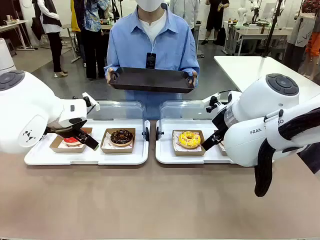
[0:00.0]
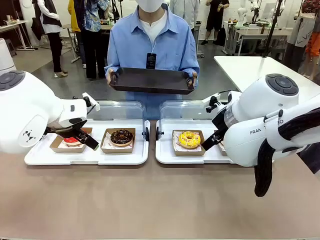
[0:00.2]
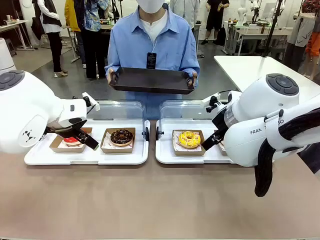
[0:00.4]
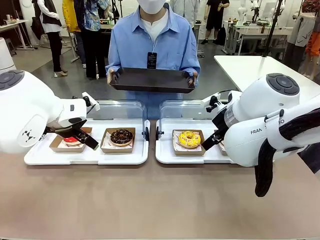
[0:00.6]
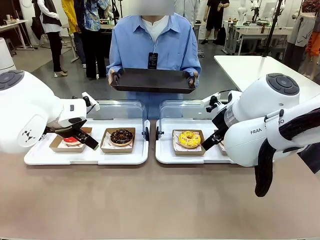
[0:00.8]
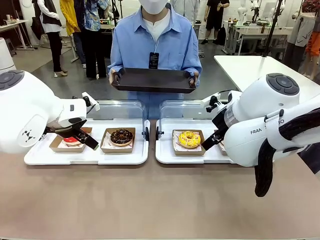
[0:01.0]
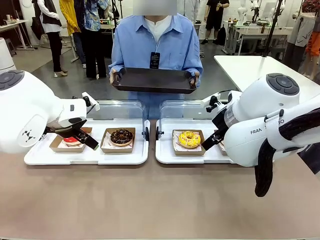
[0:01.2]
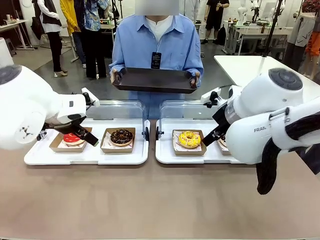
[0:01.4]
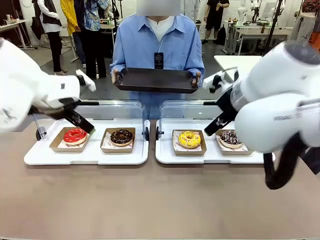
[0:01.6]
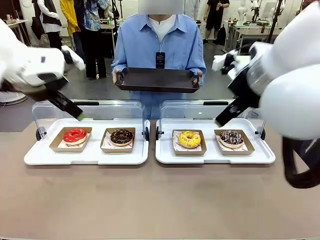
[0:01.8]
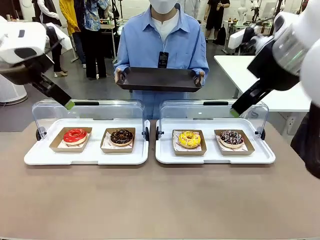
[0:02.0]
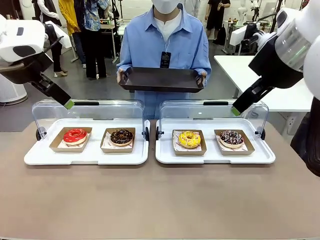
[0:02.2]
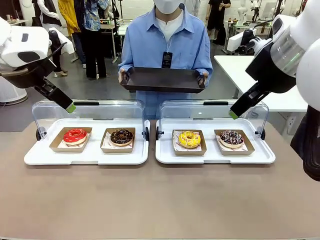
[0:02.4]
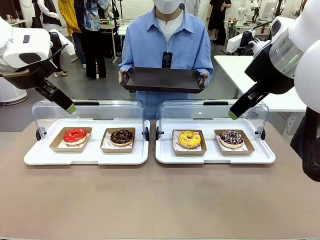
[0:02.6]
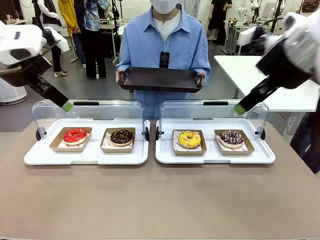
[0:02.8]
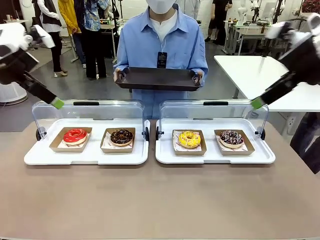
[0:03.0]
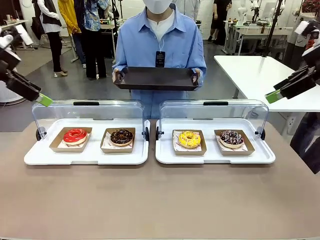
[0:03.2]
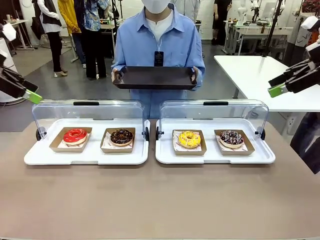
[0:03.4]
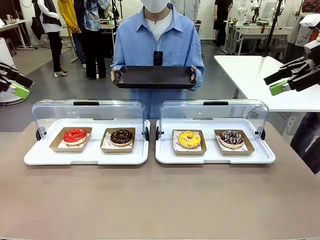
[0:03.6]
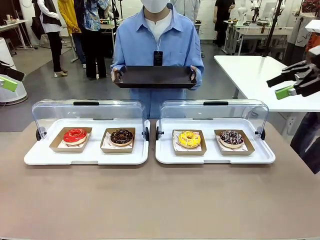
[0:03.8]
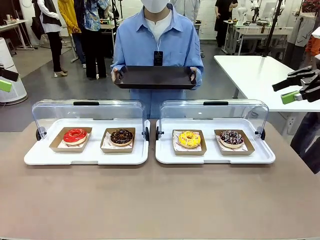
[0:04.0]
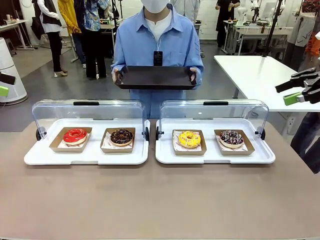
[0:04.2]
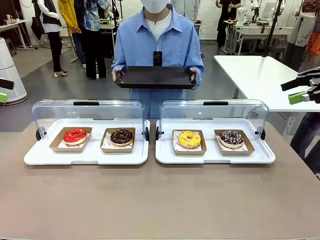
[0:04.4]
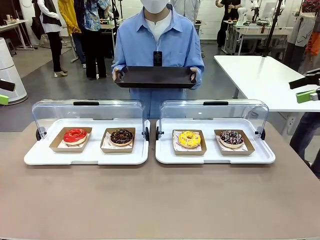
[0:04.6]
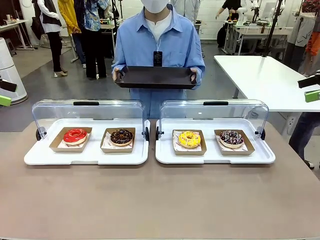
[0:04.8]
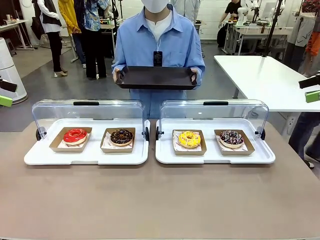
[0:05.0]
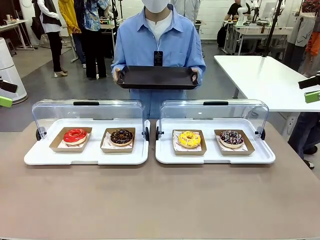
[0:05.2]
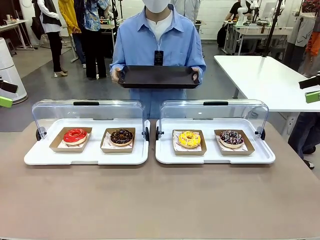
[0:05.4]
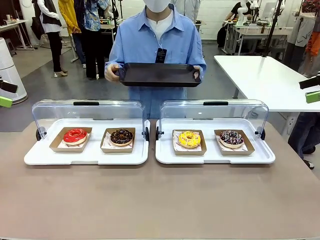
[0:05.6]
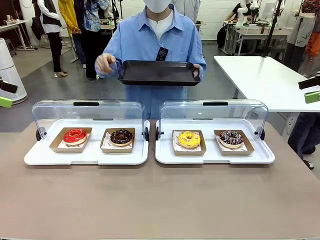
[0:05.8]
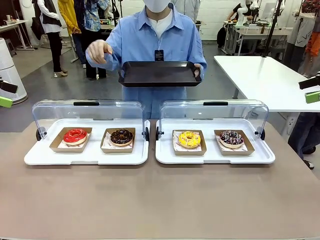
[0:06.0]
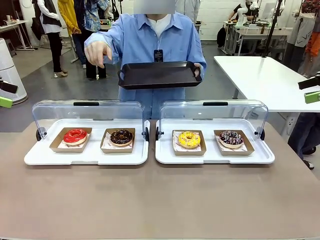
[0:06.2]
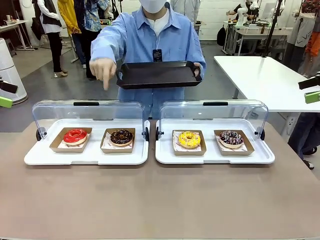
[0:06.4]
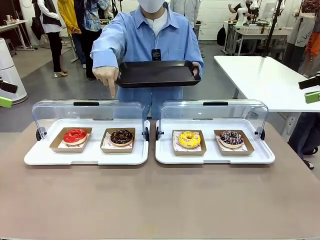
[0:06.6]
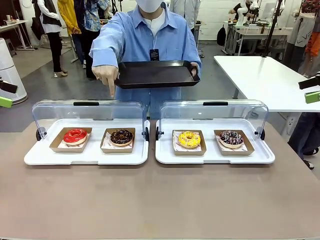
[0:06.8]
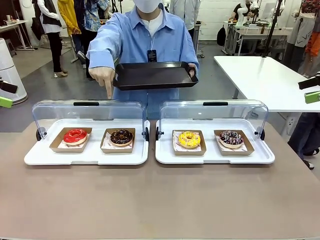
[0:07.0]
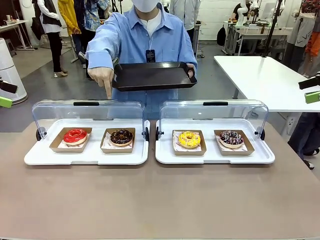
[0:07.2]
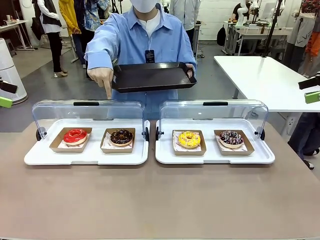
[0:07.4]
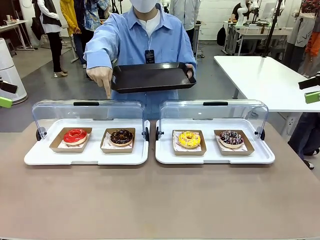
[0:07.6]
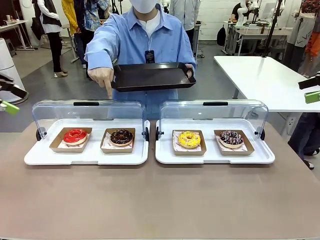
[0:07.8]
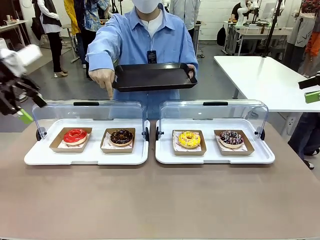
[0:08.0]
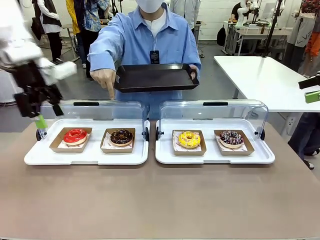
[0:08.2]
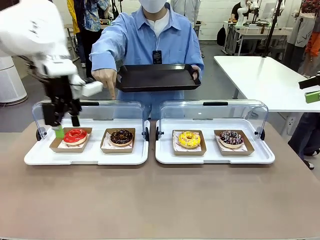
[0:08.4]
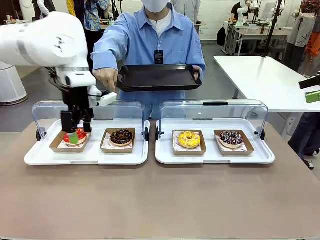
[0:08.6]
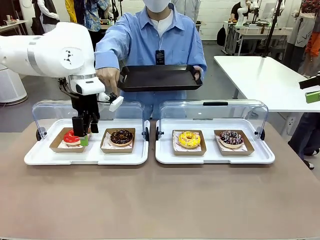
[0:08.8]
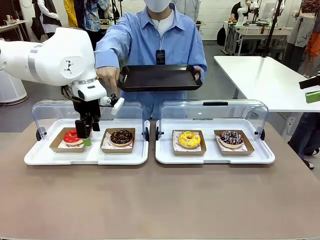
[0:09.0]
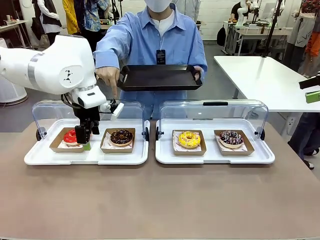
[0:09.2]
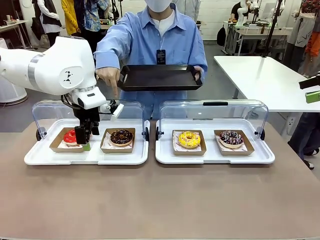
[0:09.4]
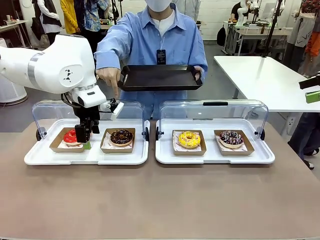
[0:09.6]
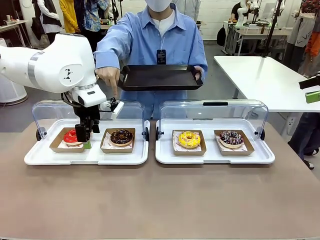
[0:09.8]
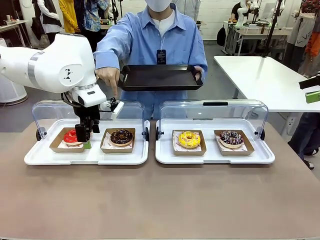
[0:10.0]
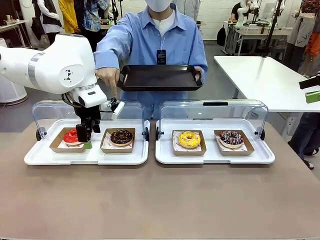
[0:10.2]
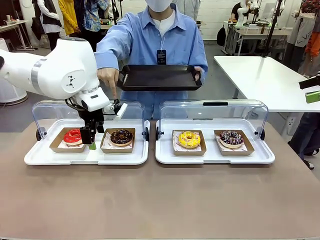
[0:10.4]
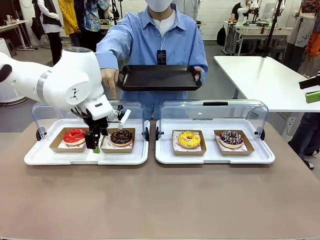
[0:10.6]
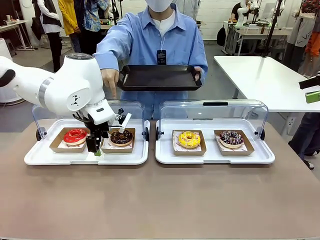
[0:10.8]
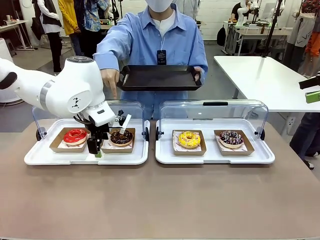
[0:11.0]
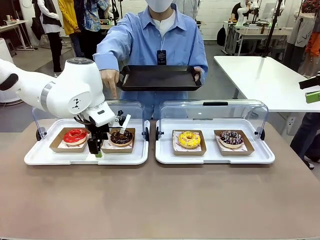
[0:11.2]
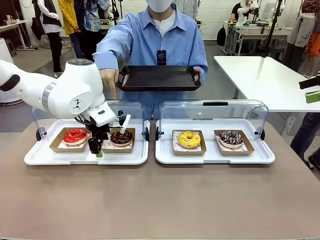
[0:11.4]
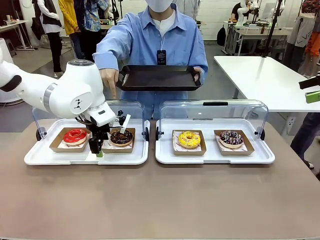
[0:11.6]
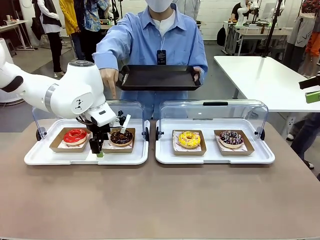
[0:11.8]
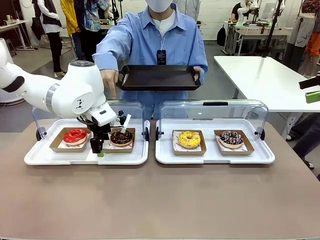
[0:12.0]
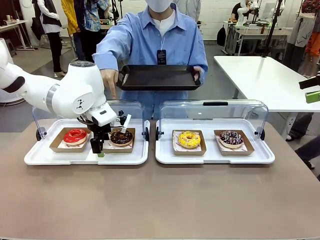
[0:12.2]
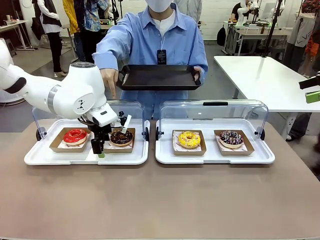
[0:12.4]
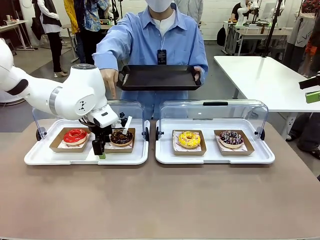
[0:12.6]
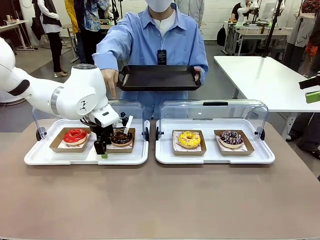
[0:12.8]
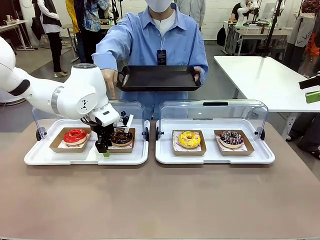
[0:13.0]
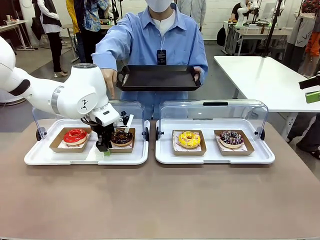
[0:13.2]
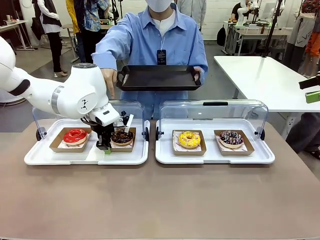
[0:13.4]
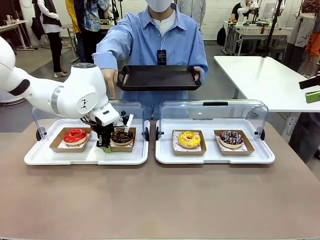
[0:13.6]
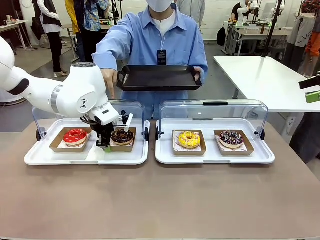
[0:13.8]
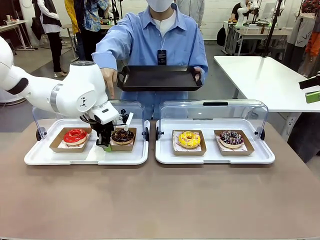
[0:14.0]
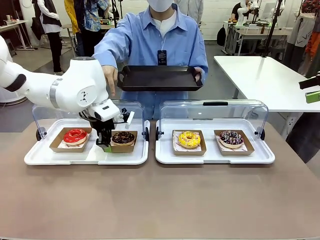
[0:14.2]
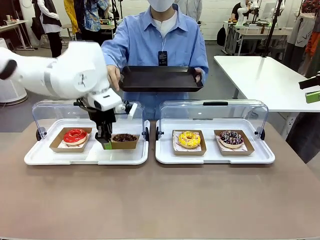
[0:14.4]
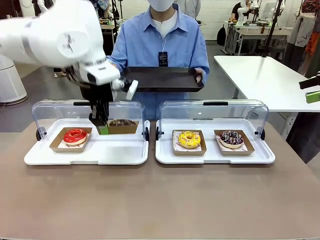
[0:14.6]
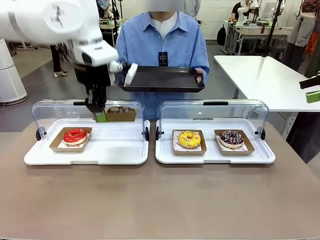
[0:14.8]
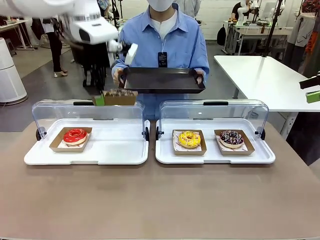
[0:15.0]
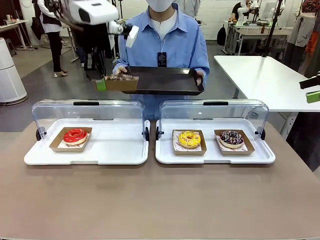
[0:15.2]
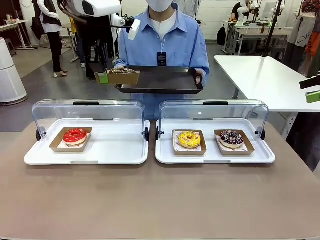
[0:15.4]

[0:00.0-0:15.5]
Task: Provide the desired donut to the person.
Robot: Pick up and lift the Paper togo box containing the Donut pointed at by the person.
Person: Point to one donut. Lift the tray onto the Roll-Top Bakery Case.

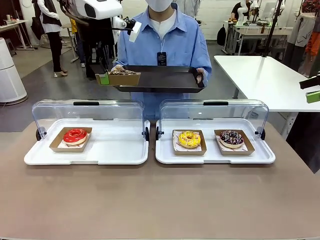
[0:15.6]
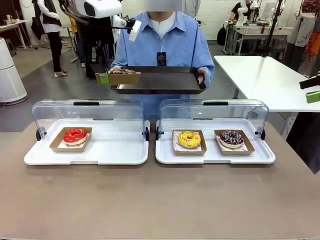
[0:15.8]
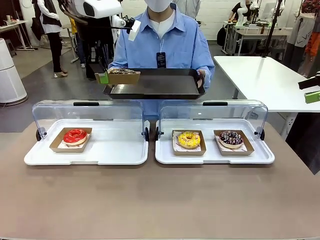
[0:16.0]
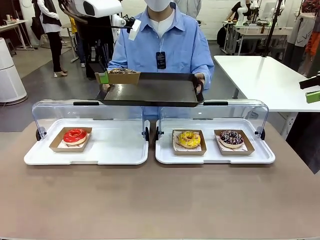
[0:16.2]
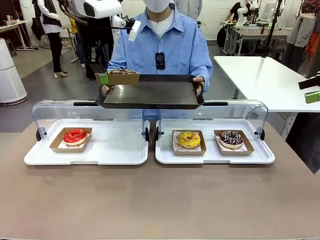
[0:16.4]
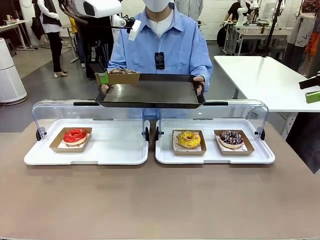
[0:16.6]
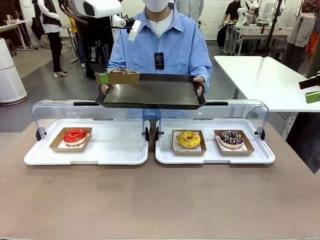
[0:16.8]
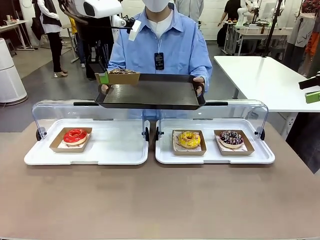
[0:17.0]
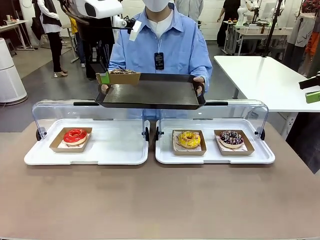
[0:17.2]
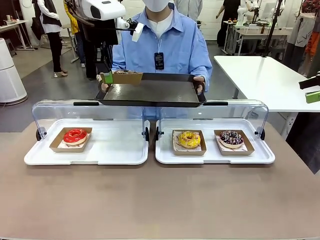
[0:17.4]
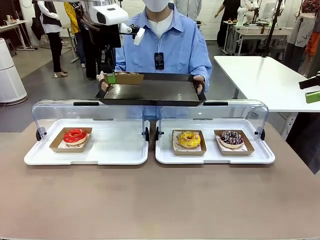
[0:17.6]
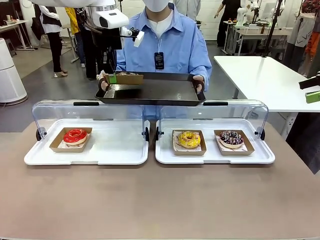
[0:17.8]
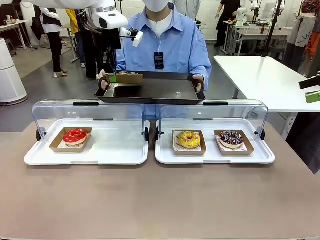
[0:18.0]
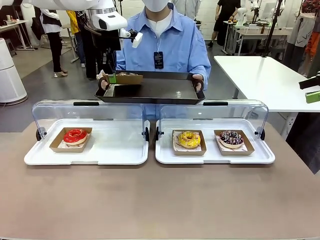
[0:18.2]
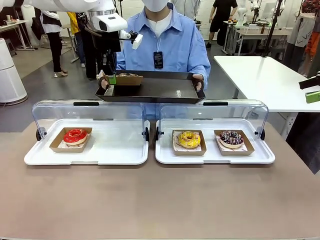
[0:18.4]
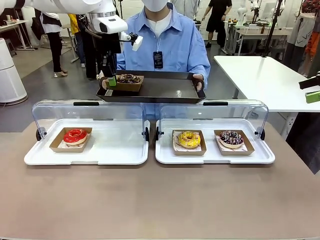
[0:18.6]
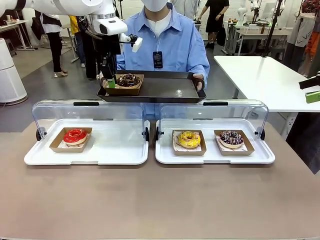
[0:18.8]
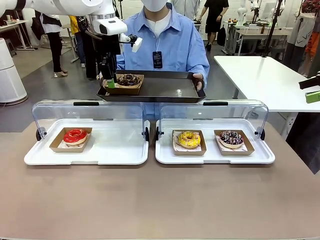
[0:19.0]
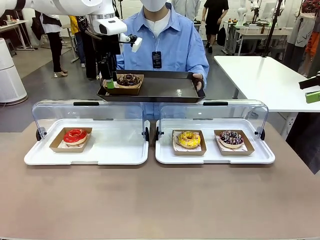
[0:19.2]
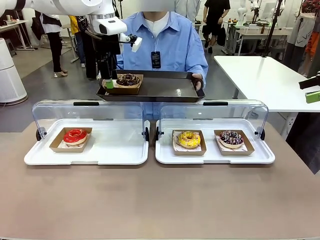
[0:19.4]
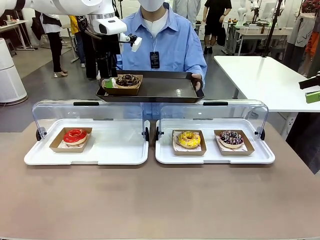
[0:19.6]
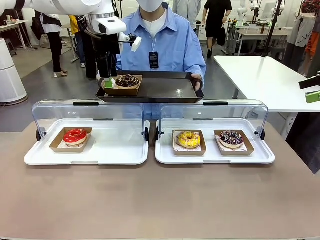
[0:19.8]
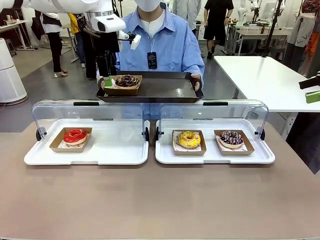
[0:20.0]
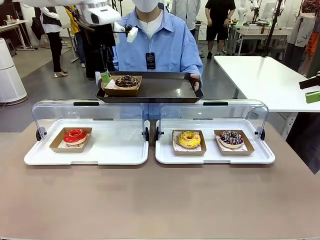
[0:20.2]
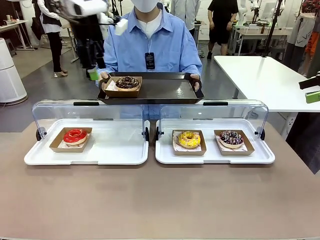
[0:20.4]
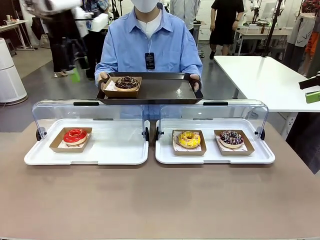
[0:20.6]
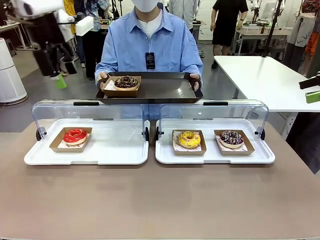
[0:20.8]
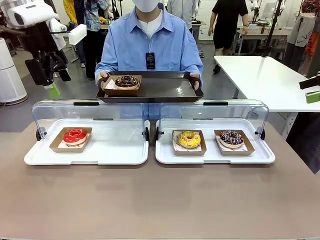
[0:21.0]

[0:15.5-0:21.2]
Robot: Place the picked Paper togo box onto the Handle tray extended by the person.
